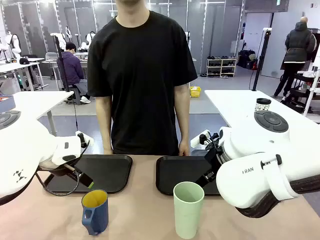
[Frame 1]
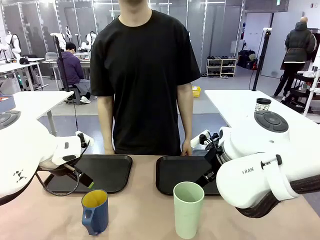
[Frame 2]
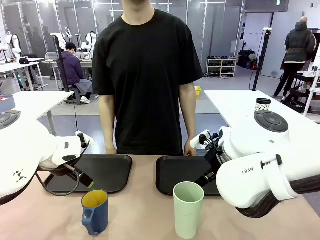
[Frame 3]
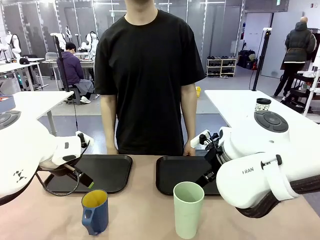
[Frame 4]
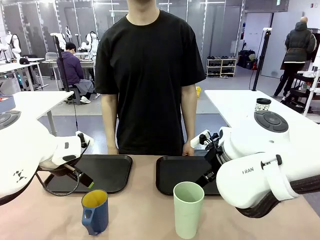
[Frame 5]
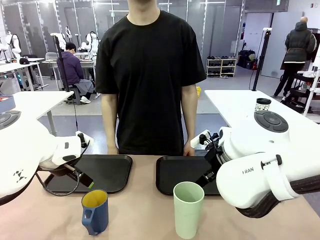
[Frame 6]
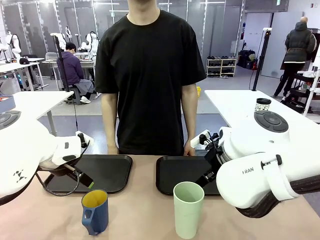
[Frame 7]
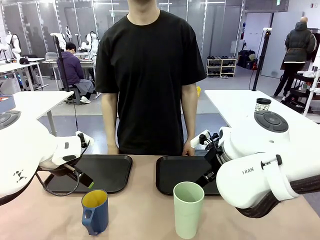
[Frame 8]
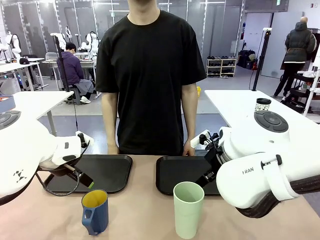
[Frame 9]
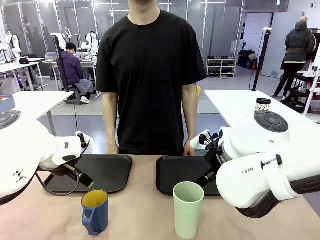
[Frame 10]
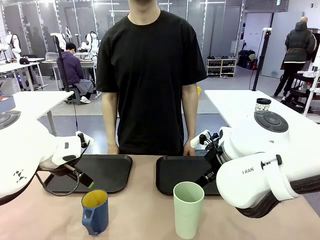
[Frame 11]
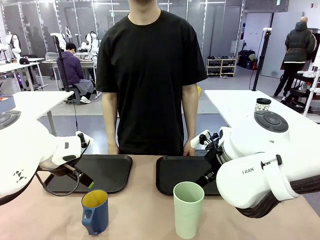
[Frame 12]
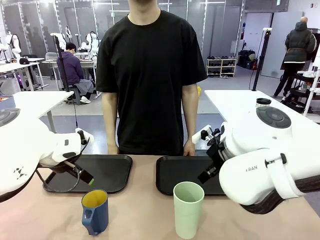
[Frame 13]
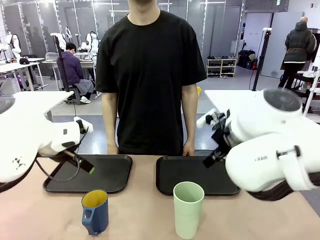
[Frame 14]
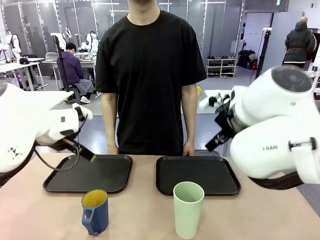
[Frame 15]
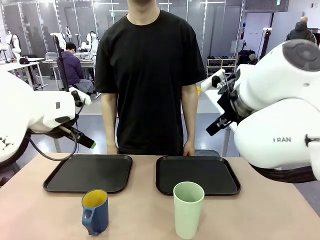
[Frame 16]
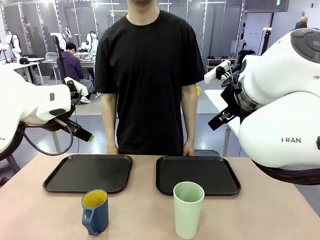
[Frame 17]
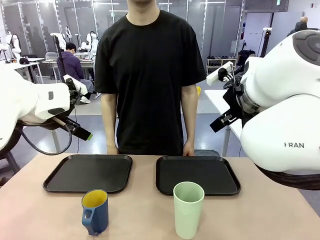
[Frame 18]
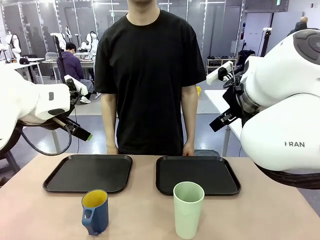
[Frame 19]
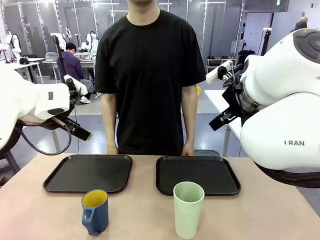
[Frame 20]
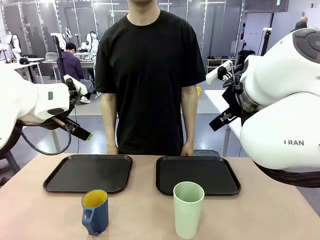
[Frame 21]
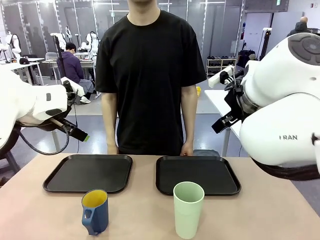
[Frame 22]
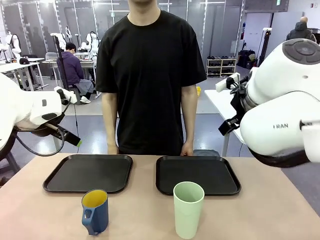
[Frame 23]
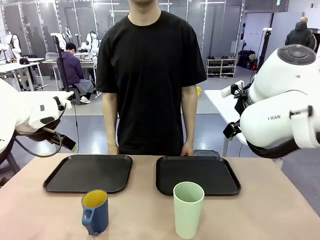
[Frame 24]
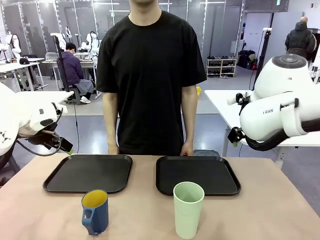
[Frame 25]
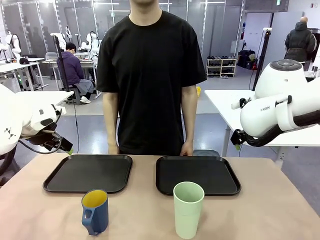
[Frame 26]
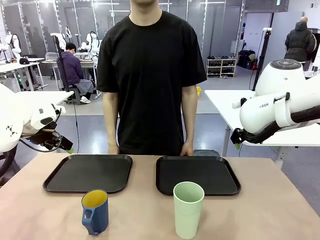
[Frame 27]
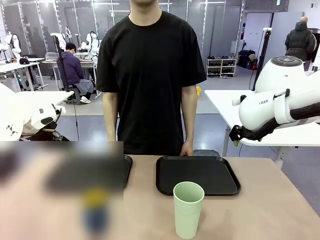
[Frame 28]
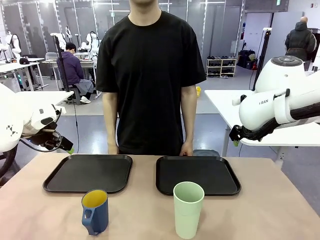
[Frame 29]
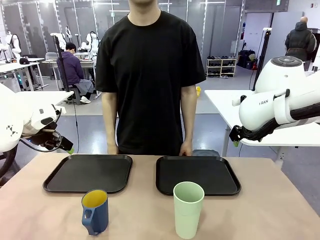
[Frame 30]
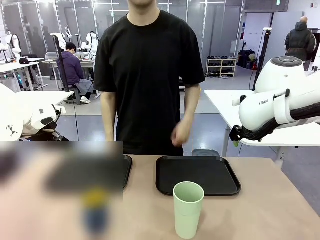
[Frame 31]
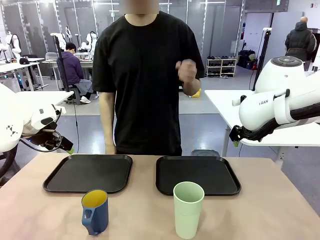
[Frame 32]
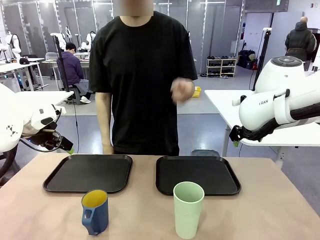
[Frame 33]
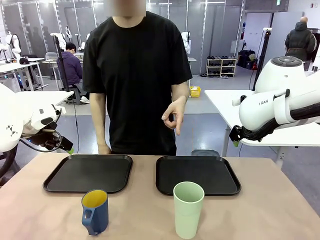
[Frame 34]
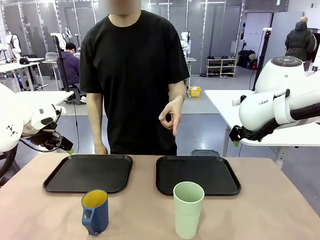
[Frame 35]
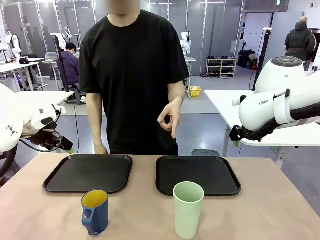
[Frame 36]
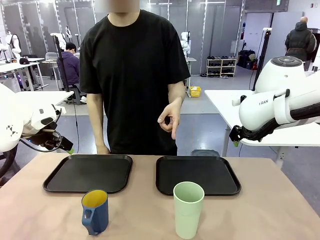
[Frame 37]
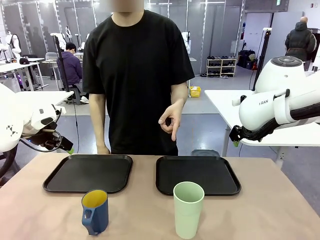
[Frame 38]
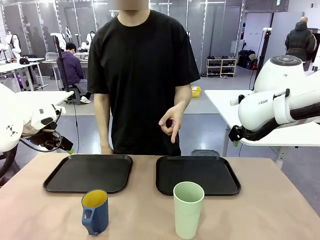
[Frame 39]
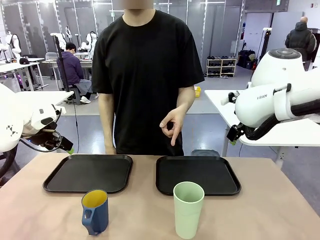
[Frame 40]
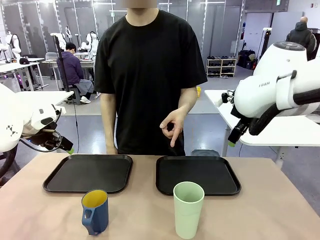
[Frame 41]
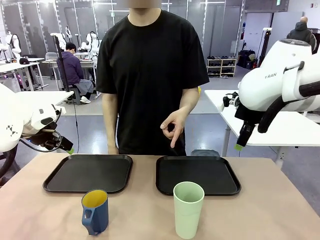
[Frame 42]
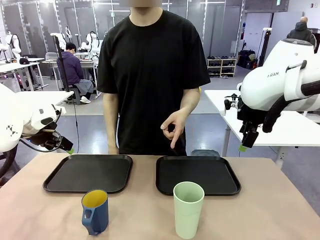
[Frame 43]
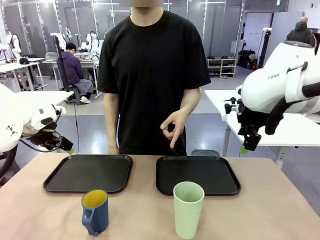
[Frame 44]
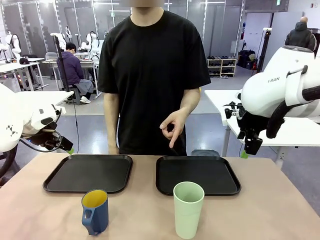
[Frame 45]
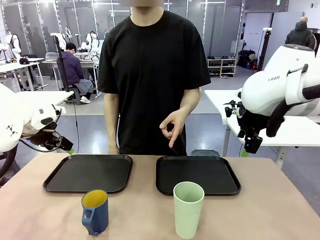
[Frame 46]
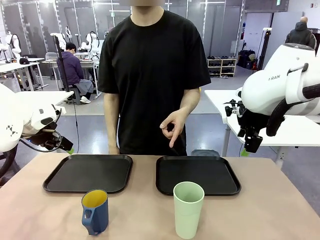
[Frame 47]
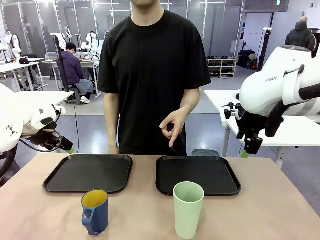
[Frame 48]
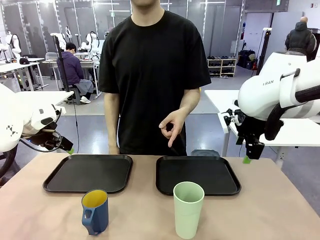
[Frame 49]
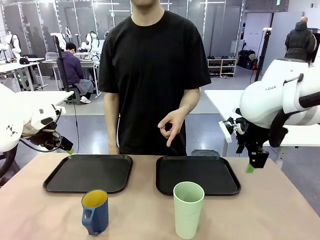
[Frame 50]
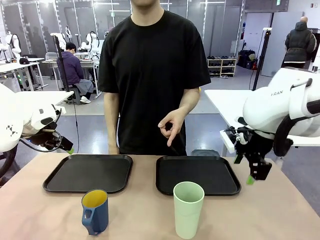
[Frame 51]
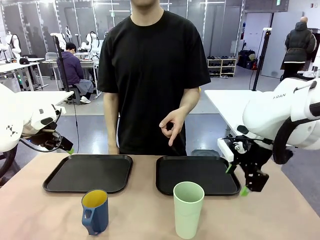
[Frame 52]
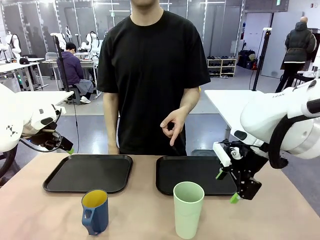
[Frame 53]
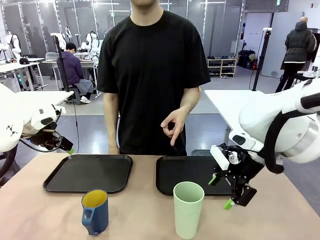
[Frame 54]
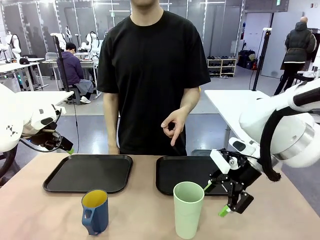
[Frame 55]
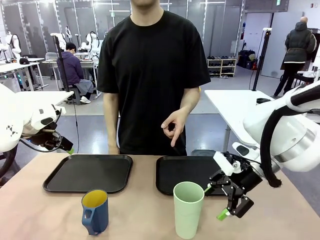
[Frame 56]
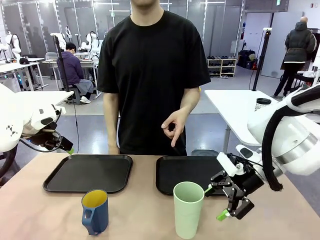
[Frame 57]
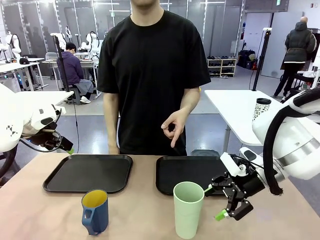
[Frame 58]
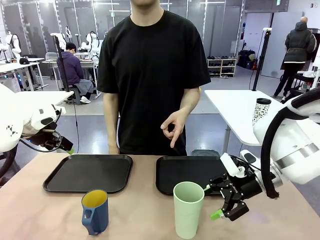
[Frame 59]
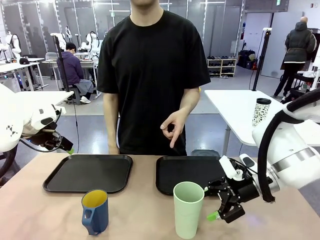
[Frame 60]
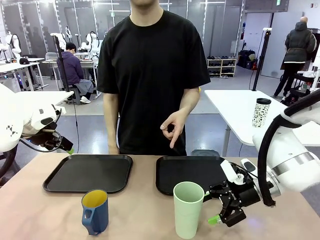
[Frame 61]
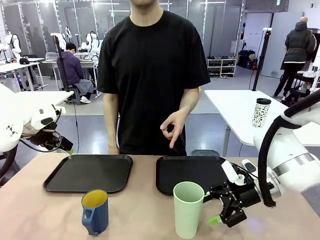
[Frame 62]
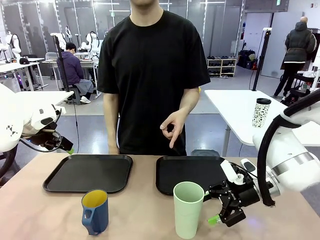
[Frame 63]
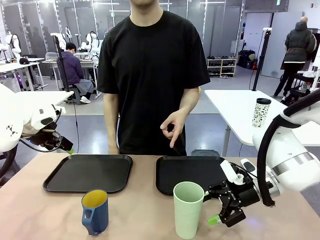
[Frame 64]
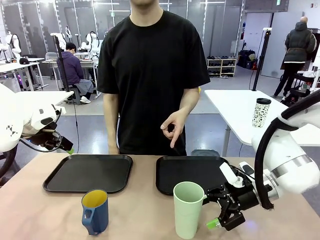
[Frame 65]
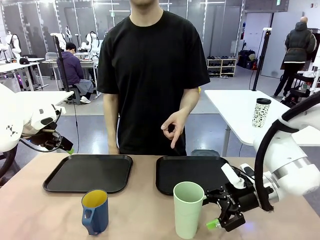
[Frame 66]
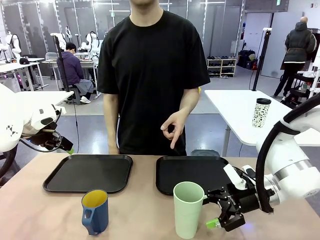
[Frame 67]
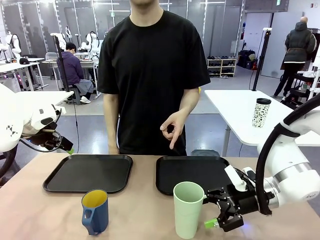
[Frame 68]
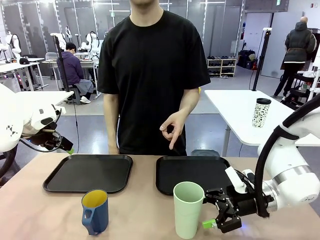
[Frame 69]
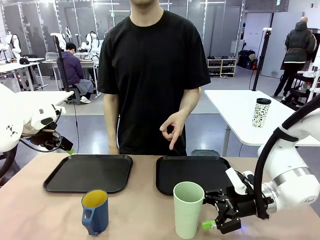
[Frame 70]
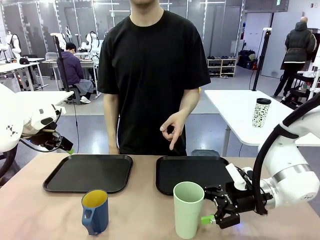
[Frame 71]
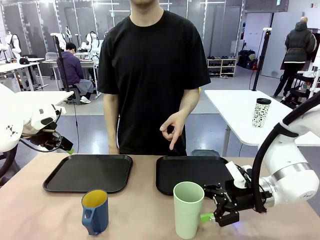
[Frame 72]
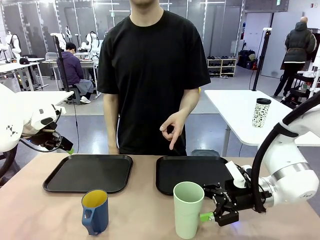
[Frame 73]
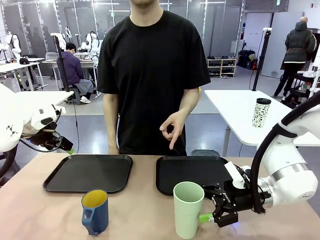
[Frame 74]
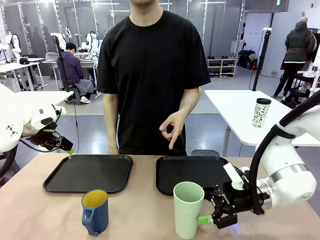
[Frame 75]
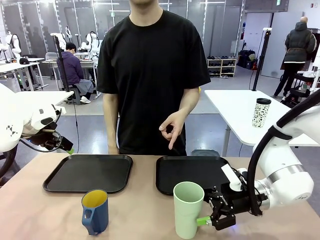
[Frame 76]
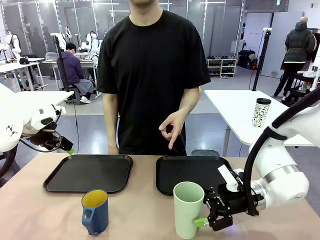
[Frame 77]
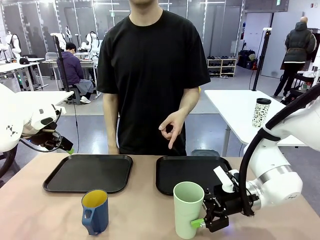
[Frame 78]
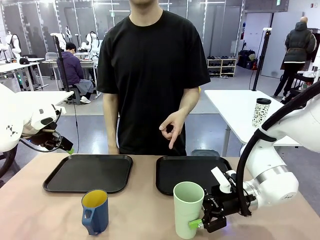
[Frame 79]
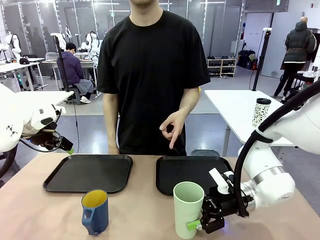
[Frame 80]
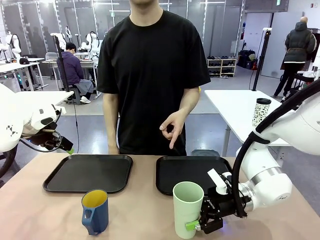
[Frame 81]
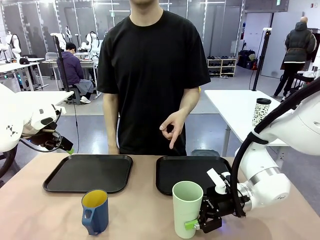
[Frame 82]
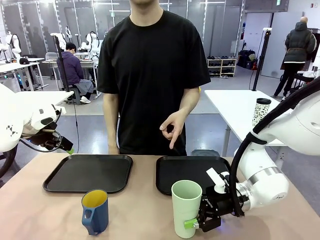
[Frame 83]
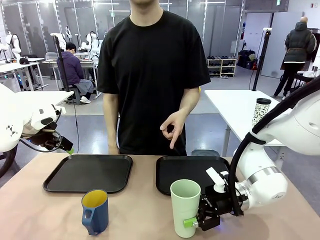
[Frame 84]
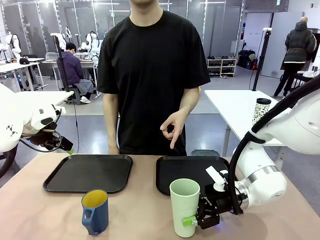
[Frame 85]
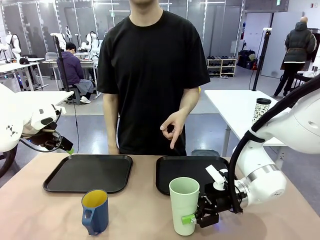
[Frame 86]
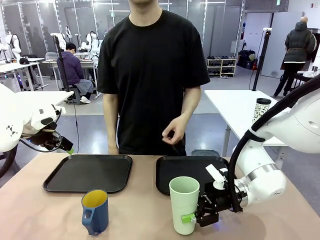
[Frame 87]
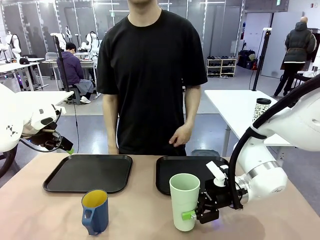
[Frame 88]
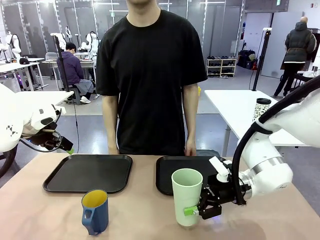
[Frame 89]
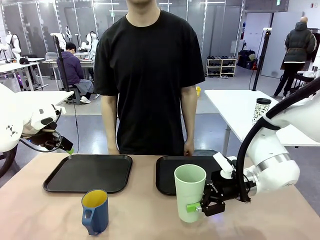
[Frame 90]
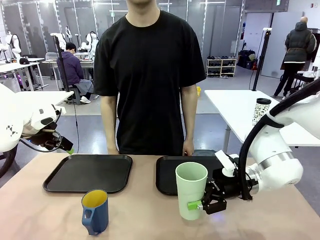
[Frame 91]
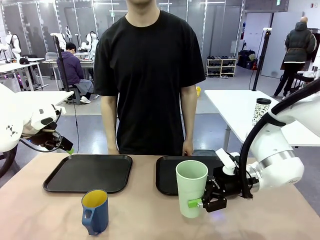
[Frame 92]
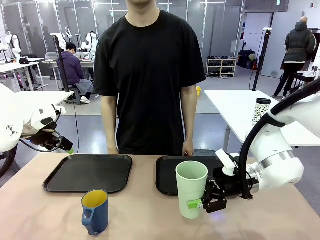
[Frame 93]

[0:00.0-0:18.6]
Task: Sort and store the cups by type.
Robot: Pick up the Reusable plastic cup.
Person: Points to the reusable cup. Point to one of the two trays.
